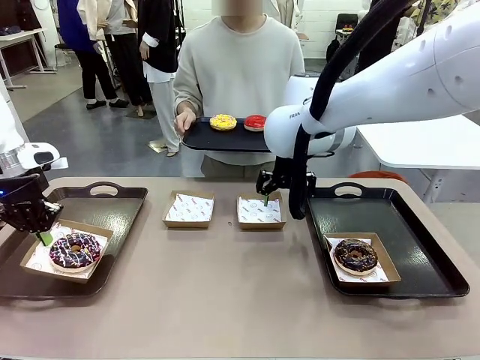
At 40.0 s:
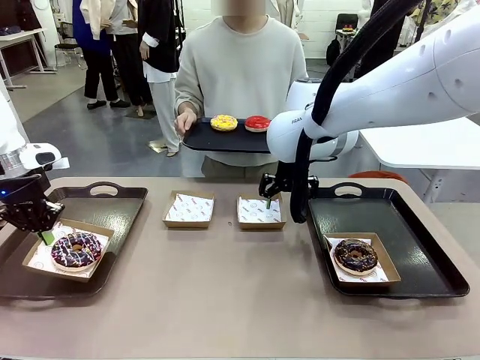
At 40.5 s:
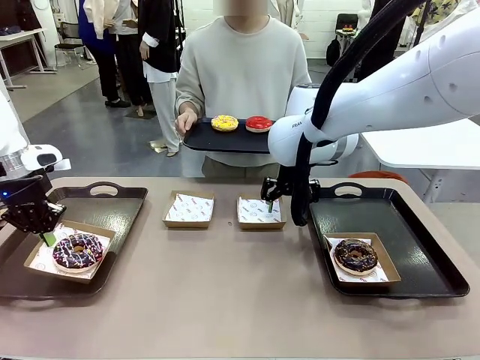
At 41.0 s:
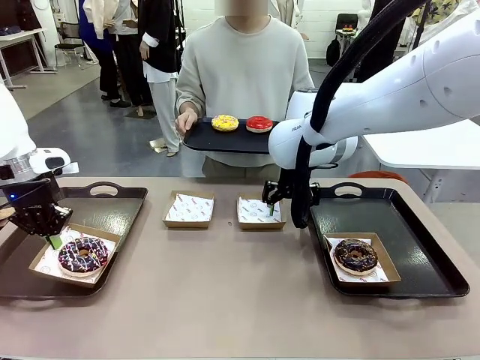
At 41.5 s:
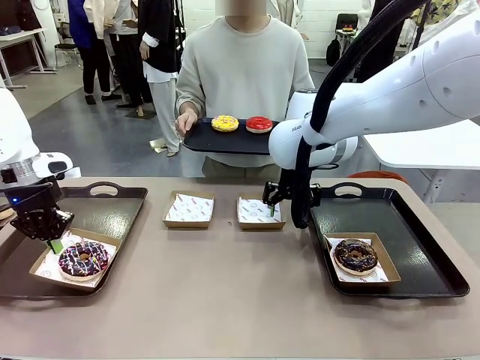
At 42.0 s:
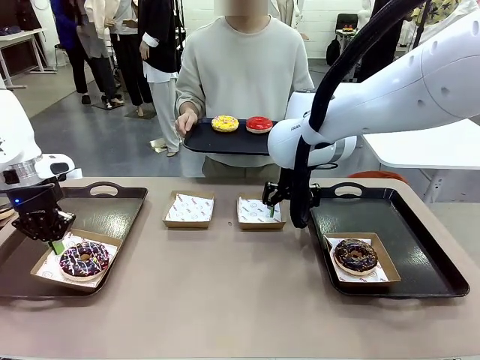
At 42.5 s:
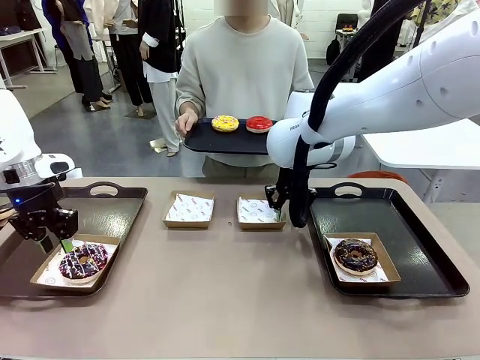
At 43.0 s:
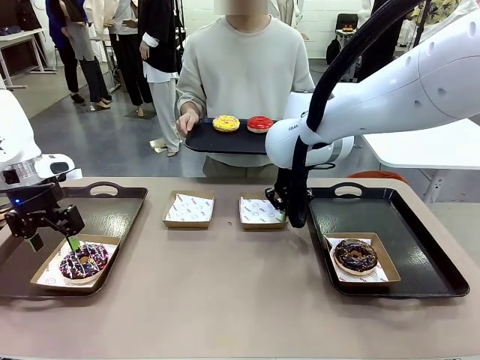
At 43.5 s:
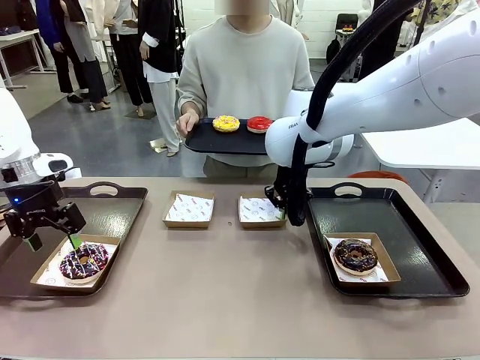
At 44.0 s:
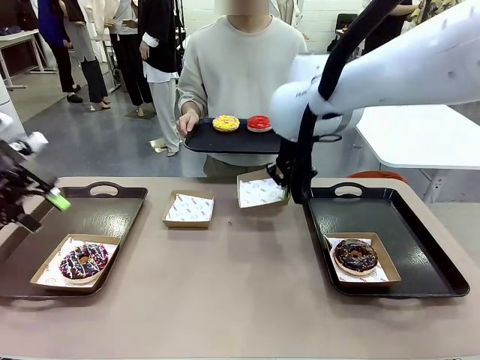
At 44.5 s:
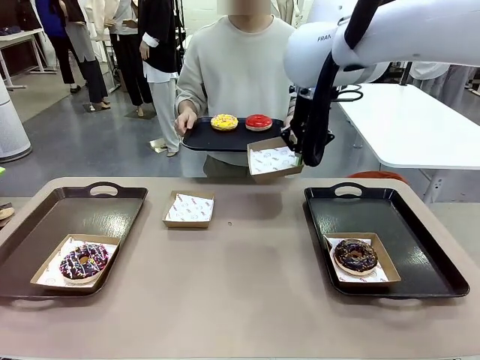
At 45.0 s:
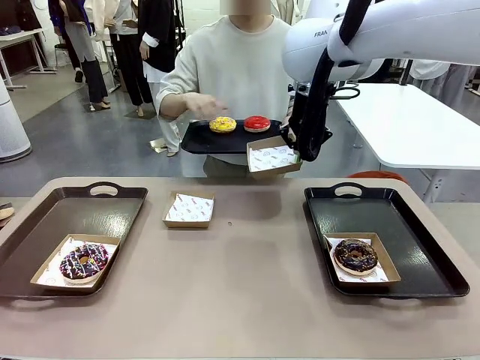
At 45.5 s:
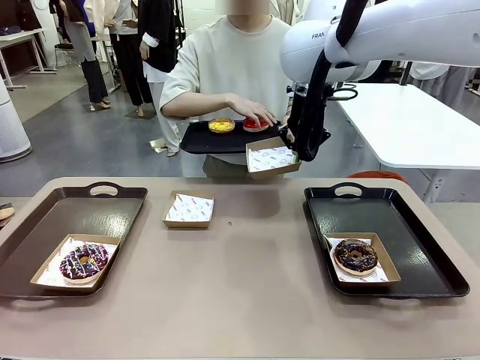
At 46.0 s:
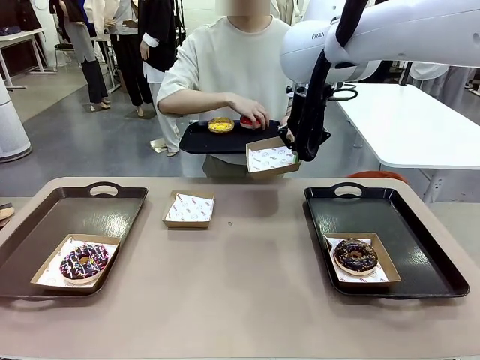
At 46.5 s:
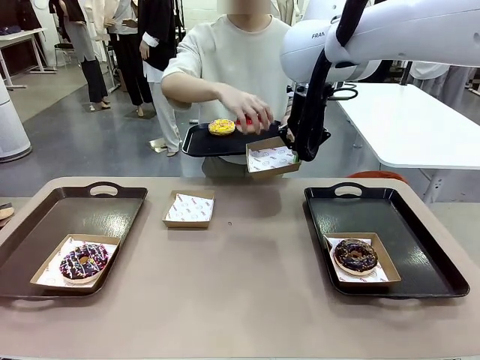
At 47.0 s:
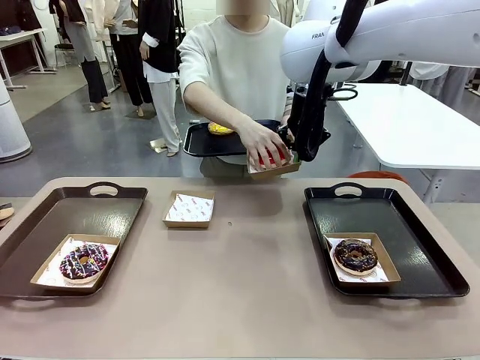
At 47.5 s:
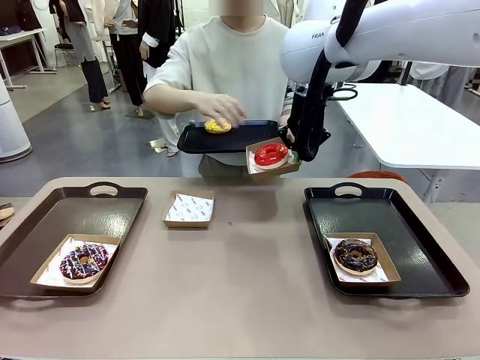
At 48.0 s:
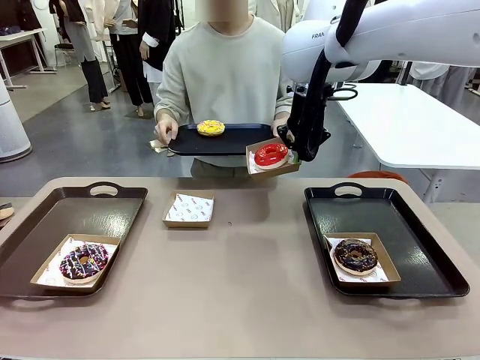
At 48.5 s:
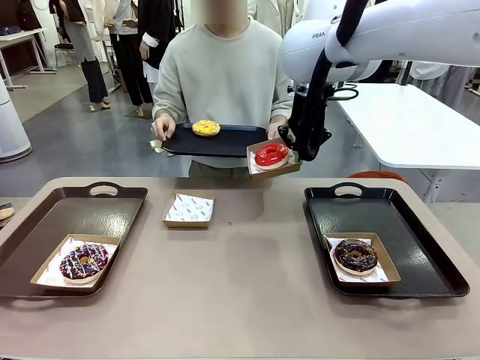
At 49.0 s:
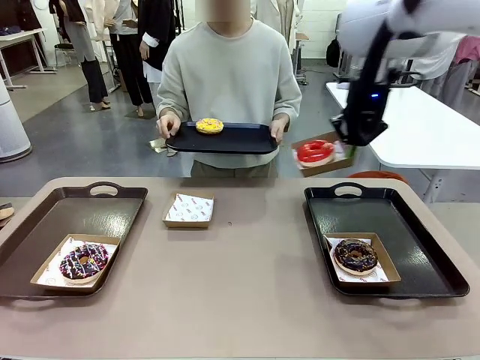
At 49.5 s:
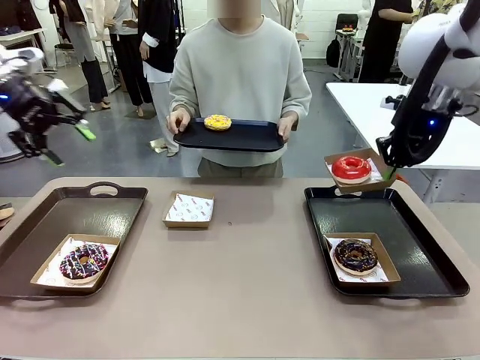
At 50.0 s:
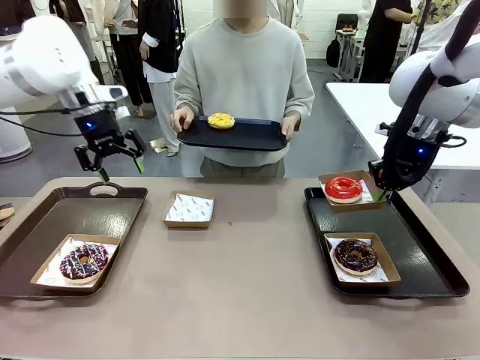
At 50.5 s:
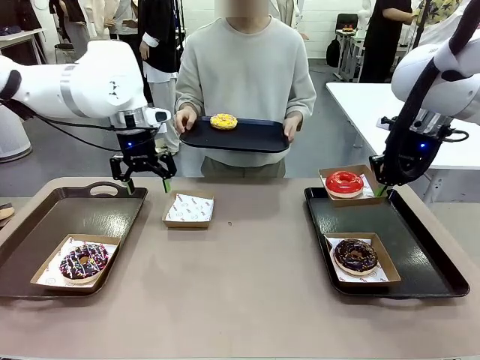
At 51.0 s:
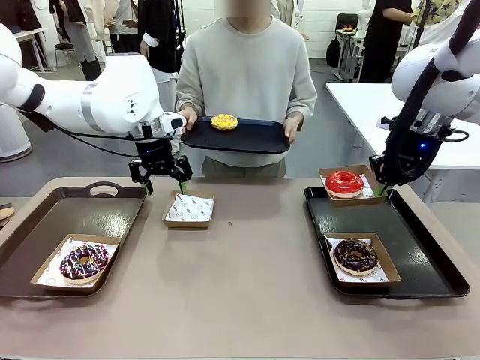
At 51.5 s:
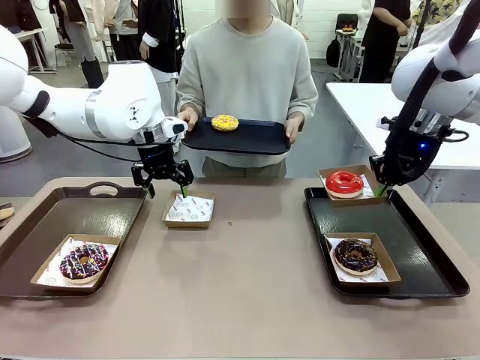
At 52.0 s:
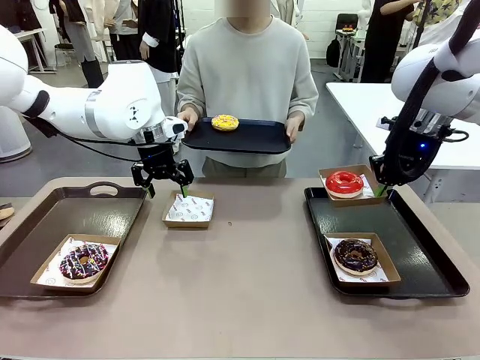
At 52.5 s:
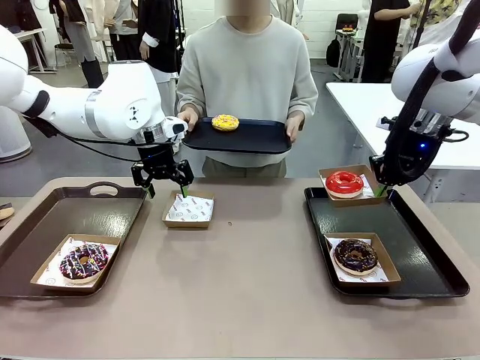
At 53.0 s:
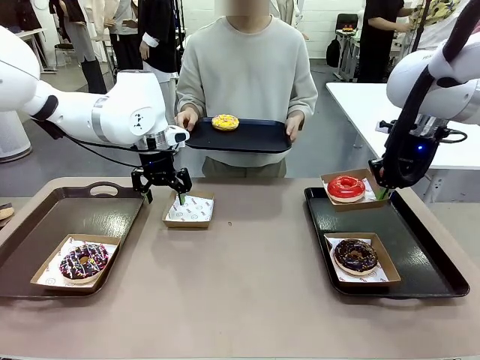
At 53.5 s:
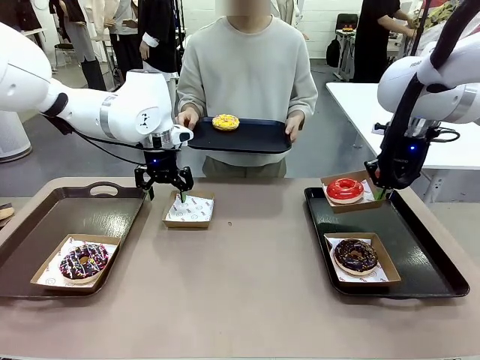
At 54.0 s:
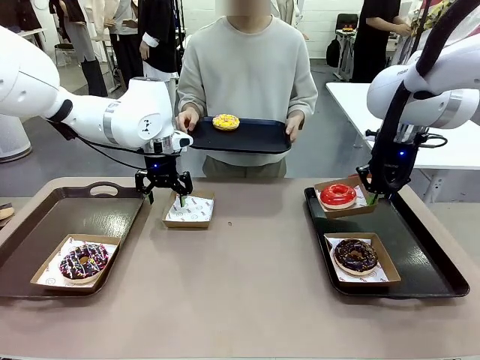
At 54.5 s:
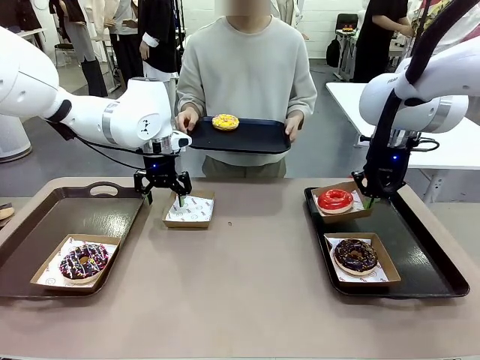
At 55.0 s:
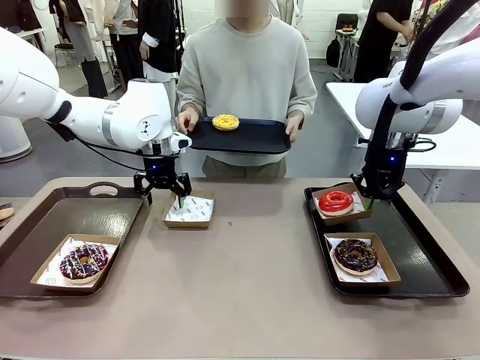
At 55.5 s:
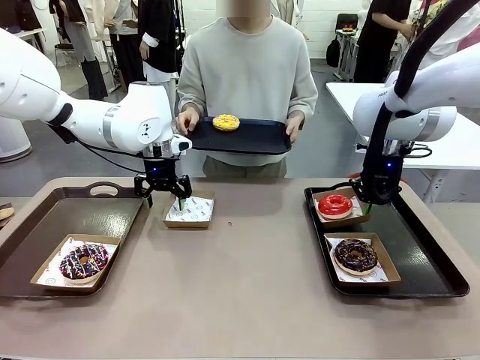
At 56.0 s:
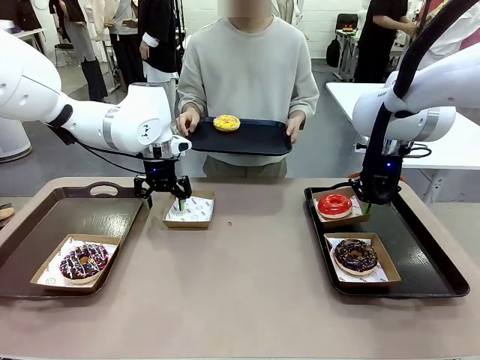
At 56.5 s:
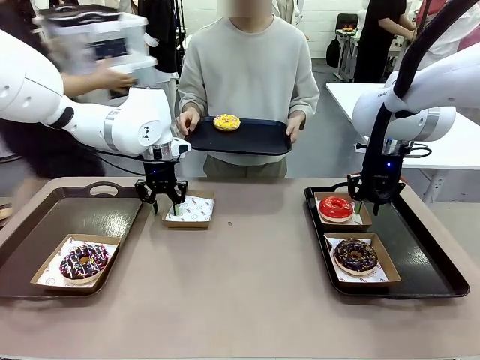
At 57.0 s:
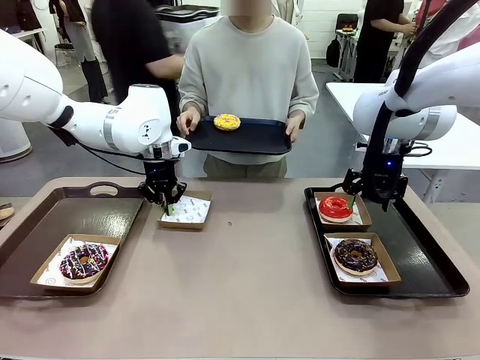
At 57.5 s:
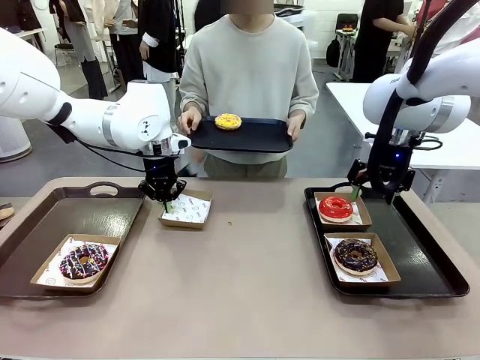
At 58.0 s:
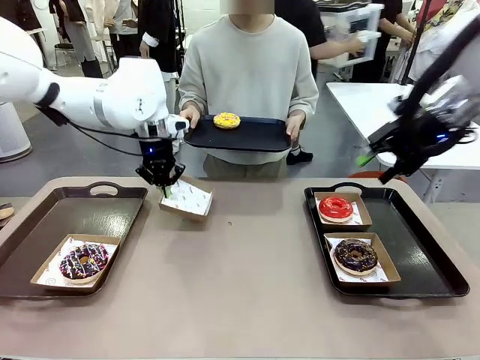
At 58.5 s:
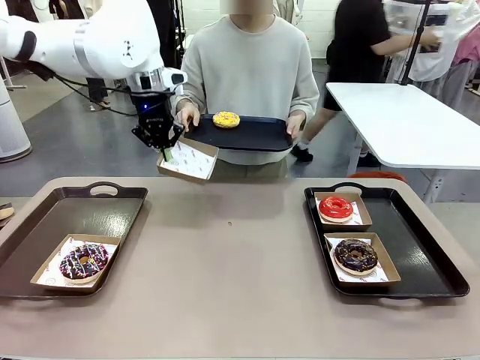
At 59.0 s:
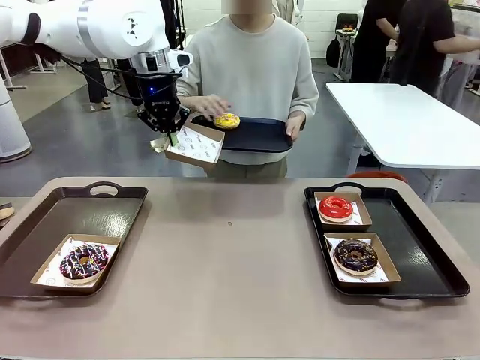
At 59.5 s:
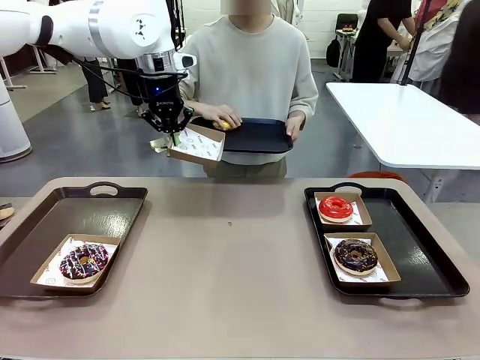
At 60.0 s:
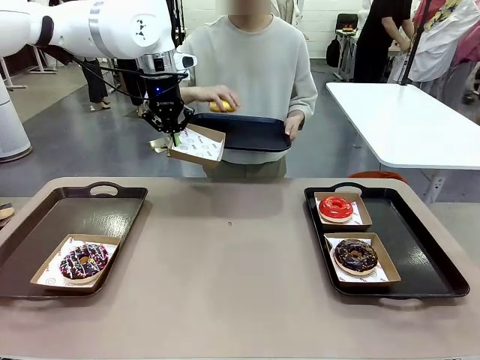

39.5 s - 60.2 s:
Task: Individually package the donuts and arrange them on the tray.
Robot: Place the picked Paper togo box on the Handle tray while simultaneously picking up another Paper togo box from the table with the other hand.
